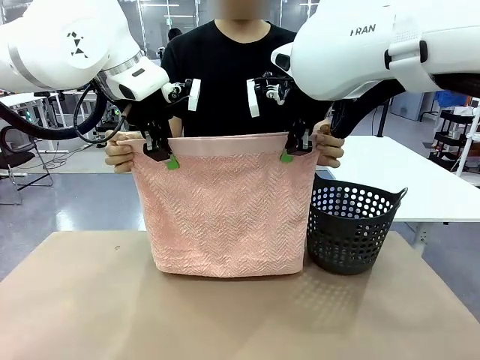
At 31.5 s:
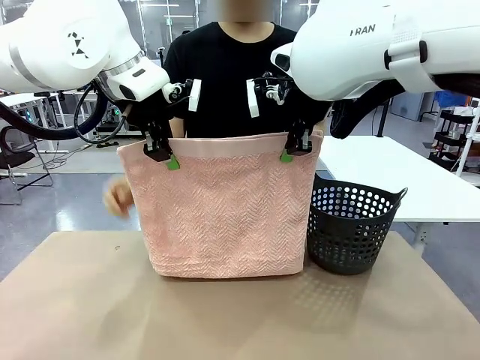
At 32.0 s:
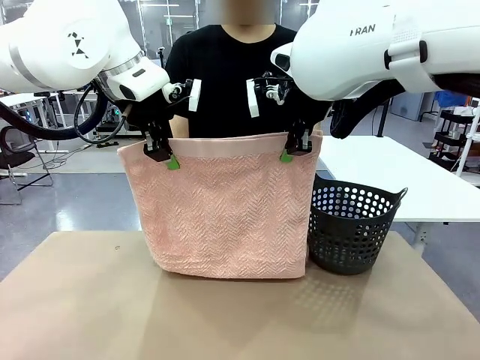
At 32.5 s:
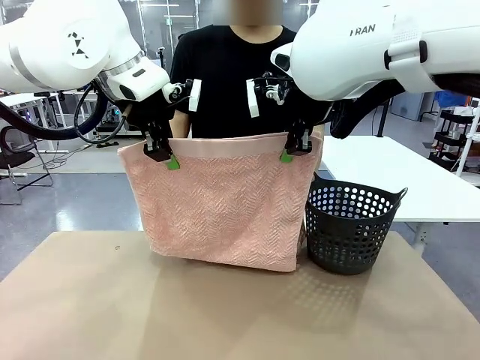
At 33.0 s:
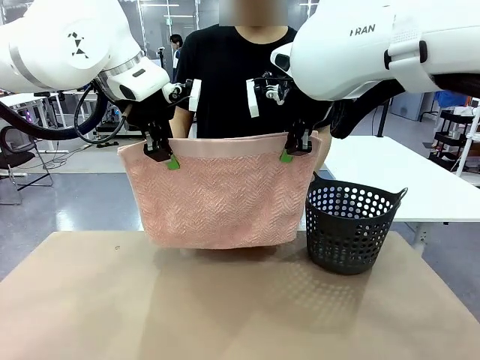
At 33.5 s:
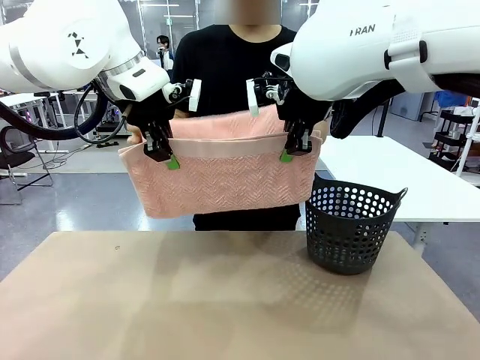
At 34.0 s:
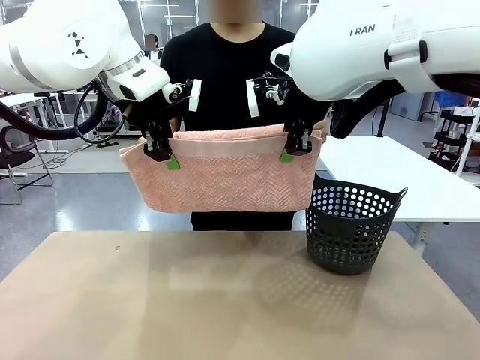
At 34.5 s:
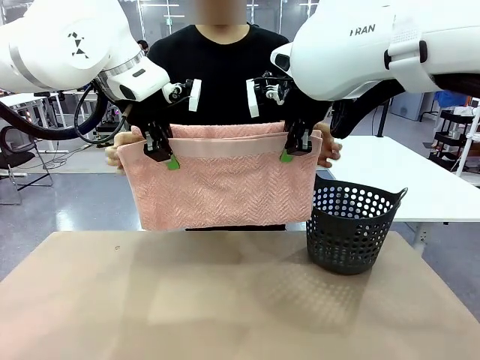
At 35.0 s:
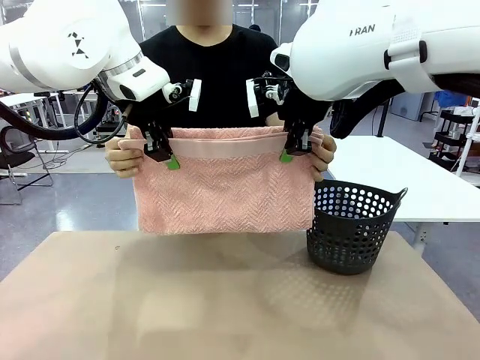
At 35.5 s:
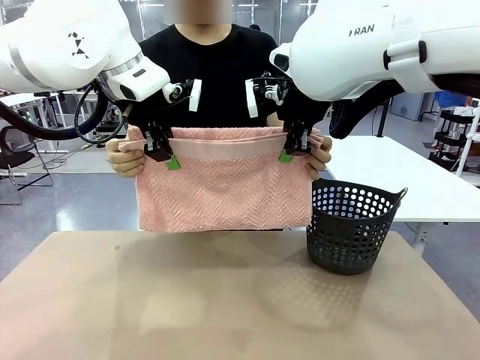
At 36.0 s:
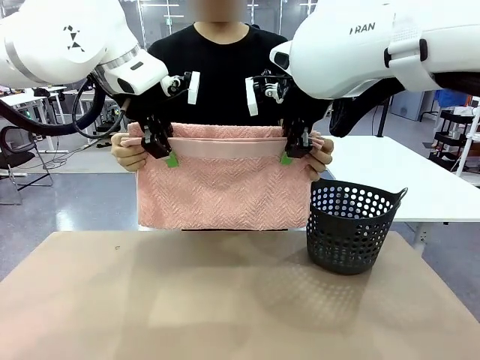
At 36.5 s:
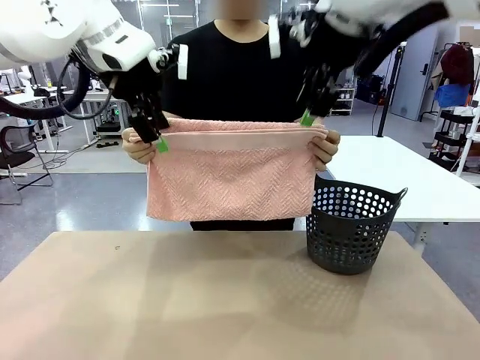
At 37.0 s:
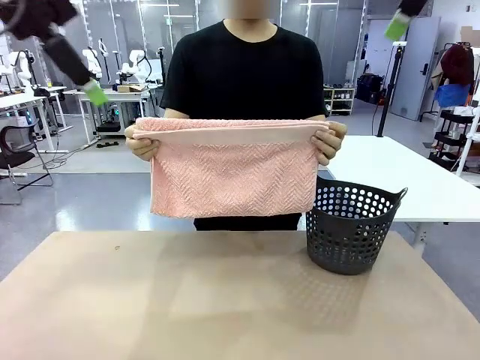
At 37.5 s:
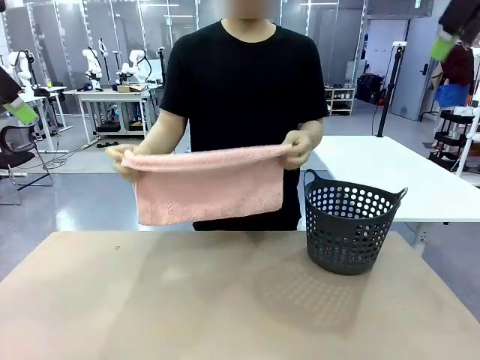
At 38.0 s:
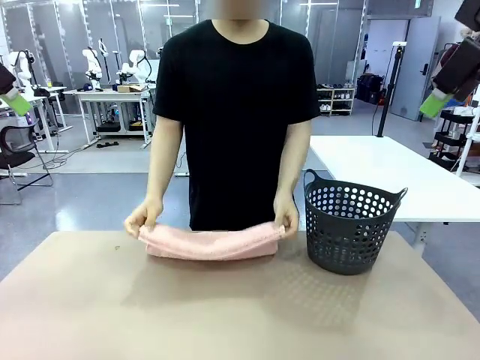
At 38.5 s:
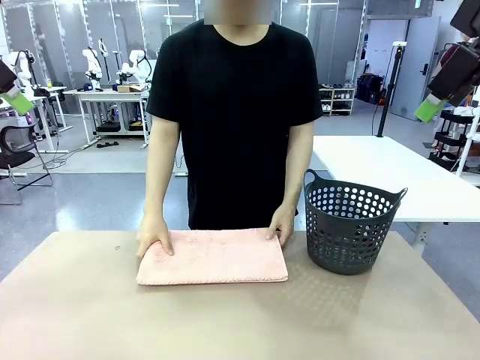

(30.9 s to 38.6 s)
Task: Fold the towel.
Robot: Release the end of the 100 cm Hotel Towel you were holding.
Person: Place the towel at the center of the robot table and fold it in half.

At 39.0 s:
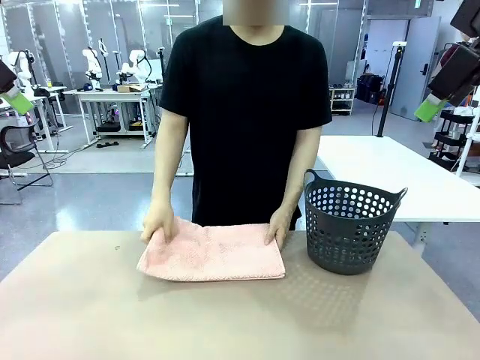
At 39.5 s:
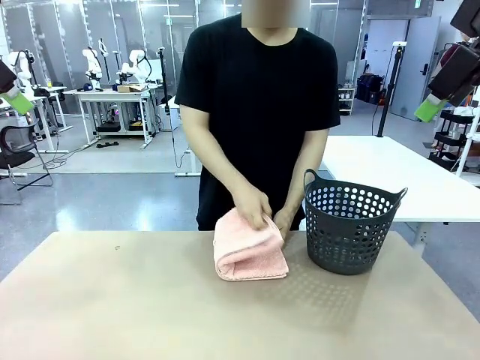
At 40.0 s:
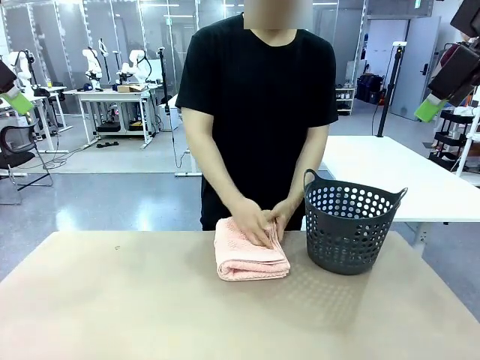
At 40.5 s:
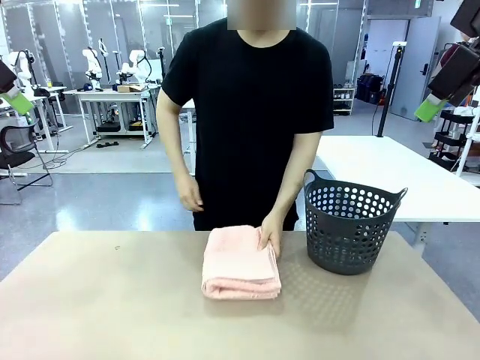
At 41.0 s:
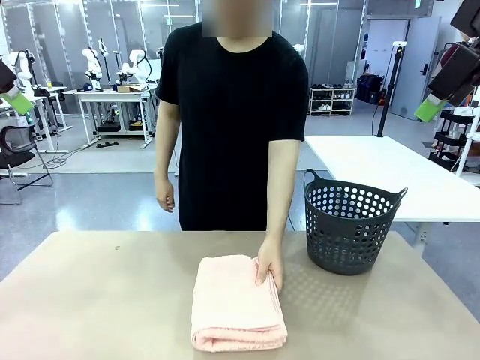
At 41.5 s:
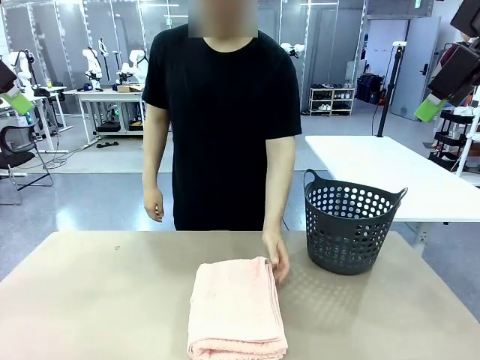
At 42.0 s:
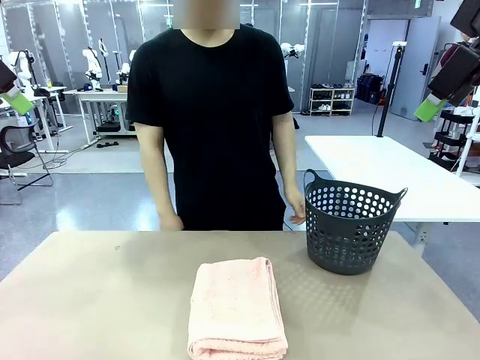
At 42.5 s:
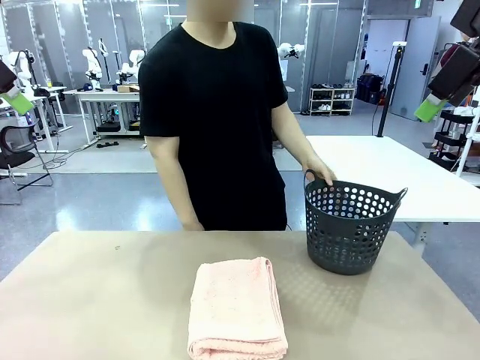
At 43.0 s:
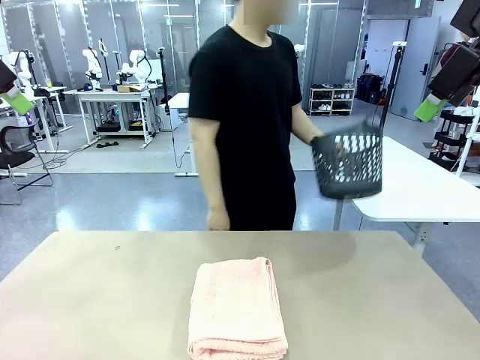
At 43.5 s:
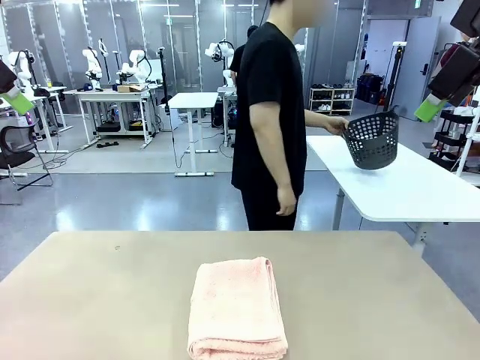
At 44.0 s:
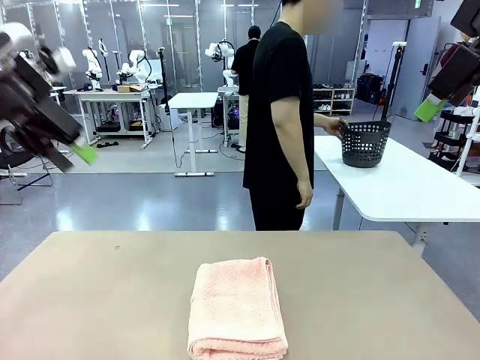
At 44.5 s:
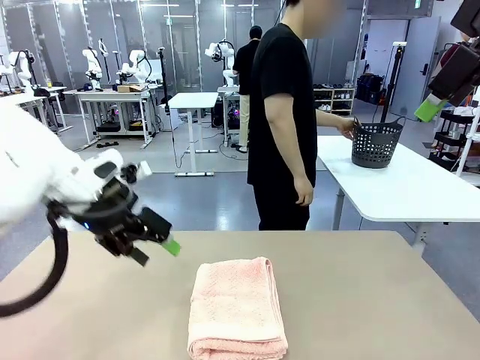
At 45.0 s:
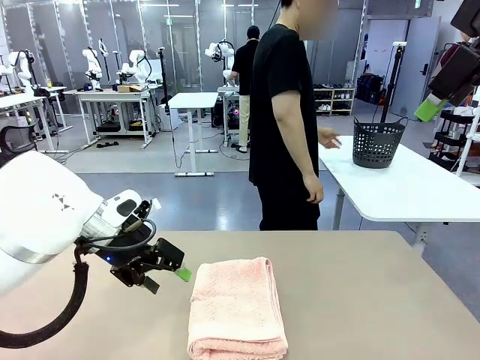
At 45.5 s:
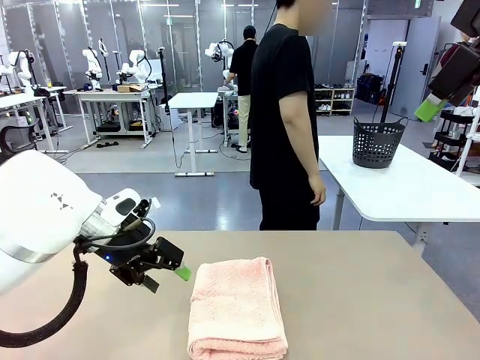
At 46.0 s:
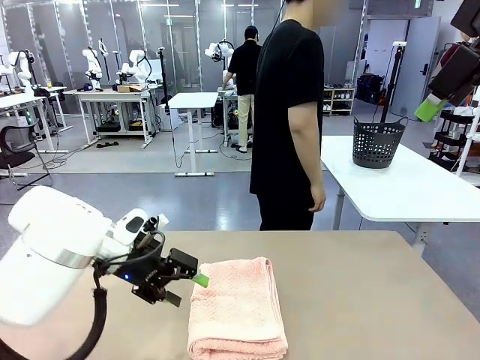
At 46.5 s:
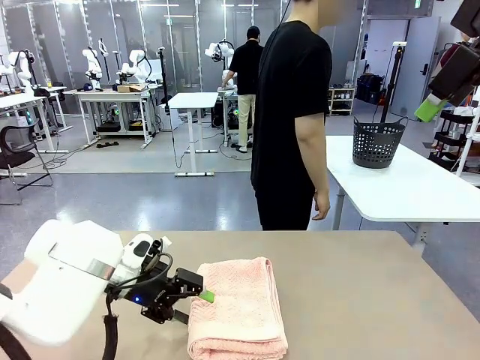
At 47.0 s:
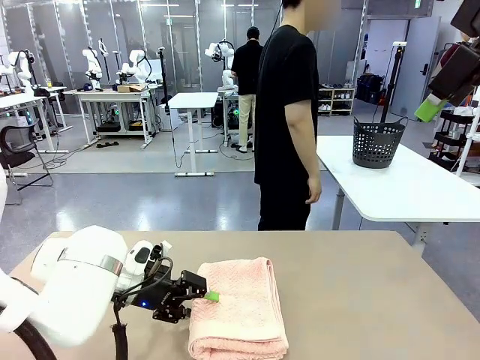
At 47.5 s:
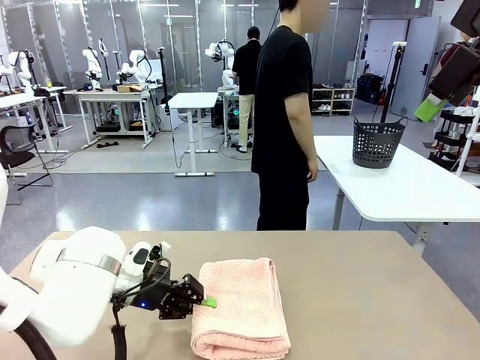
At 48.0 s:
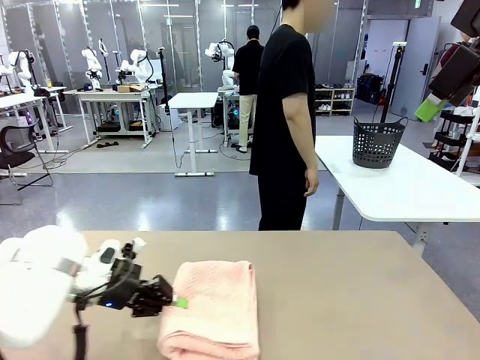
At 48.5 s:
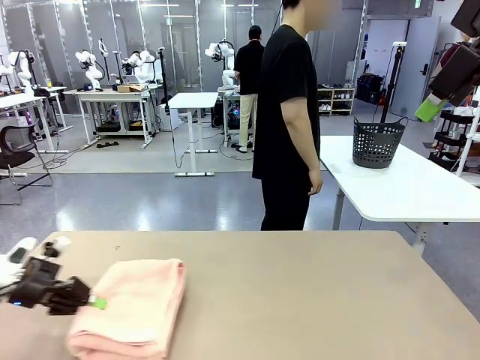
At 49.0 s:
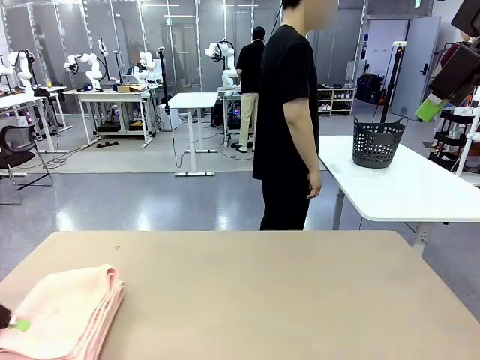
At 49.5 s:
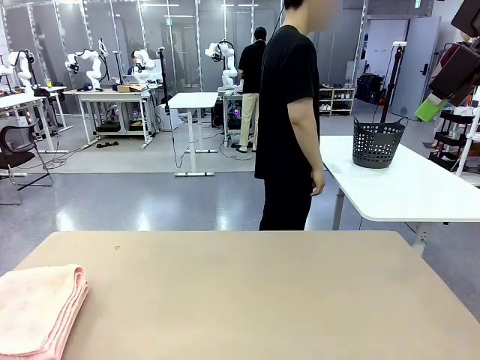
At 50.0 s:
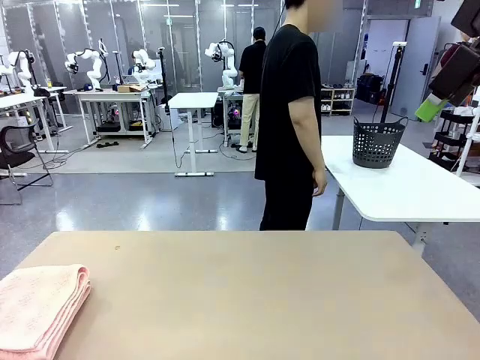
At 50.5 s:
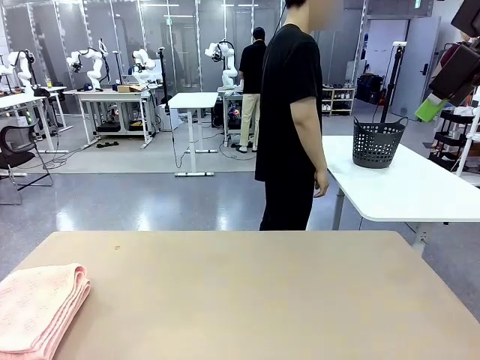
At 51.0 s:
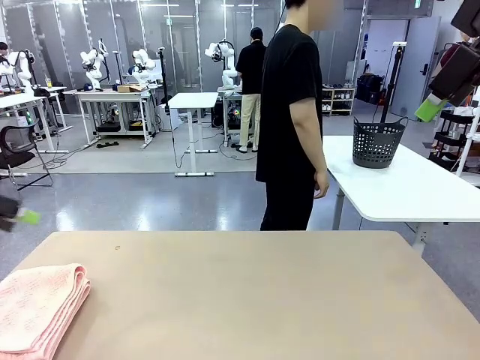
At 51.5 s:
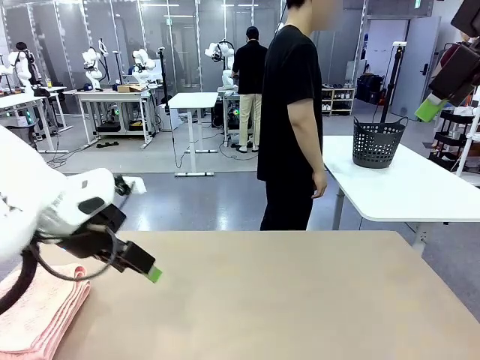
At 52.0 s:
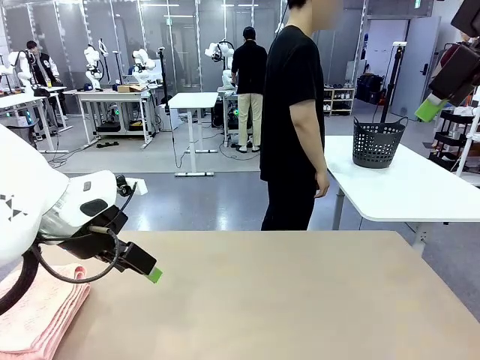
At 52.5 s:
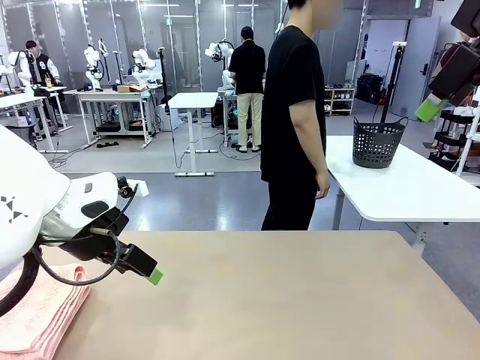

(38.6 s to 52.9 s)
Robot: Pick up the 100 cm Hotel Towel and place it on the left side of the table.
Person: Pick up the laundry basket and place it at the center of the human table.

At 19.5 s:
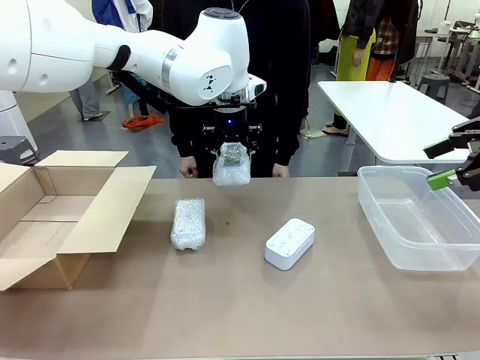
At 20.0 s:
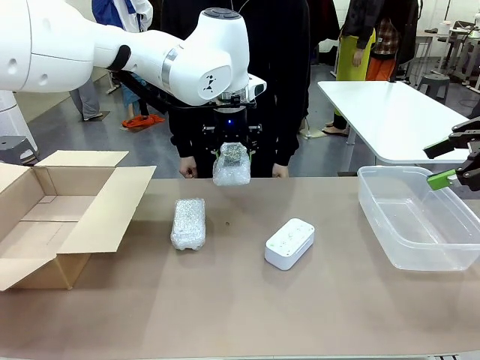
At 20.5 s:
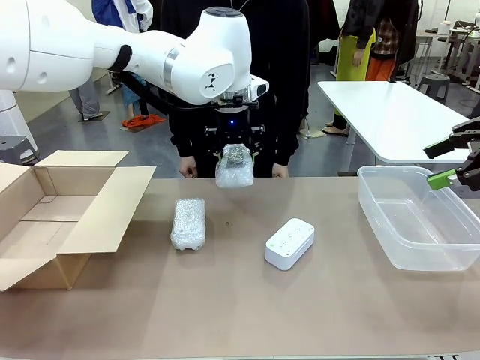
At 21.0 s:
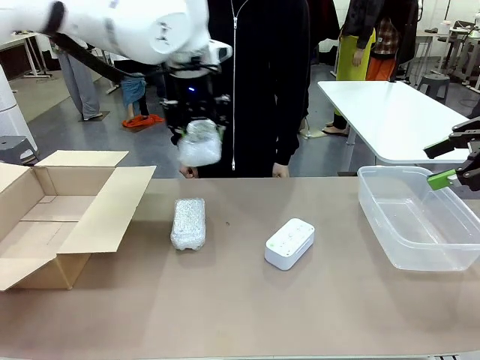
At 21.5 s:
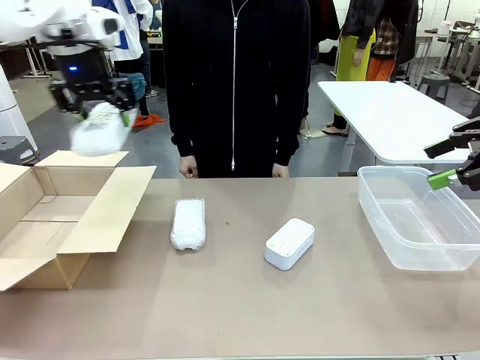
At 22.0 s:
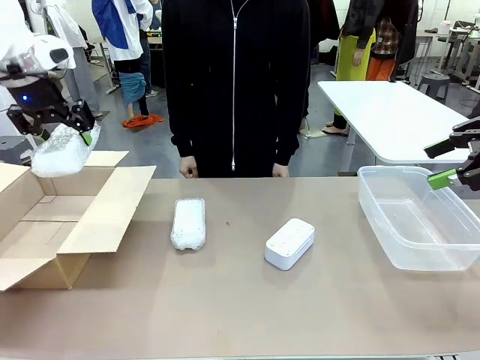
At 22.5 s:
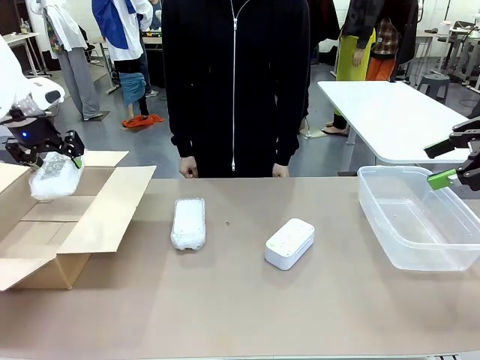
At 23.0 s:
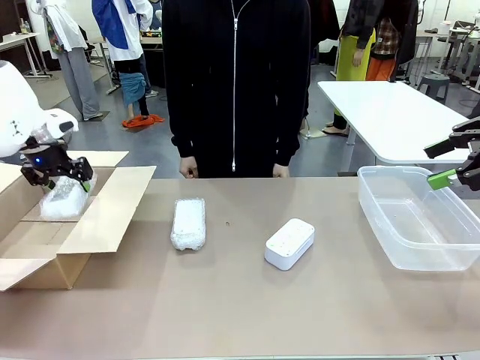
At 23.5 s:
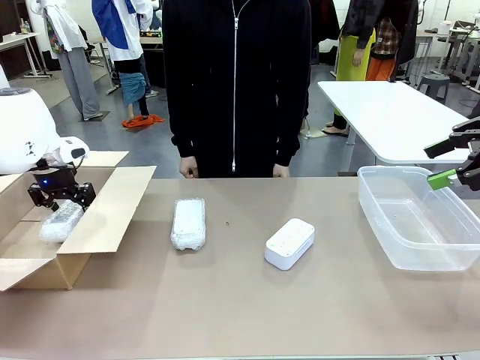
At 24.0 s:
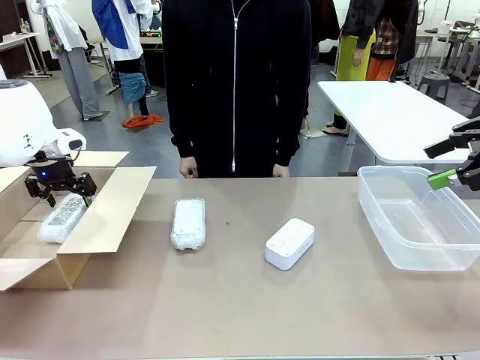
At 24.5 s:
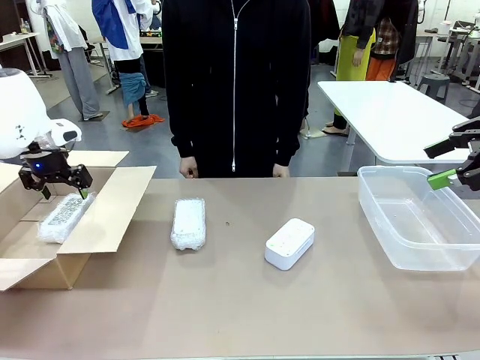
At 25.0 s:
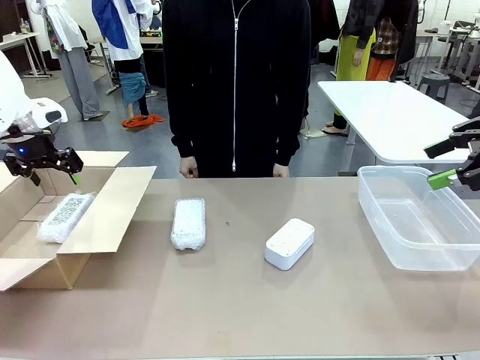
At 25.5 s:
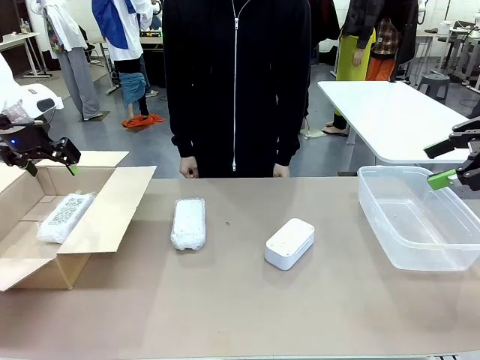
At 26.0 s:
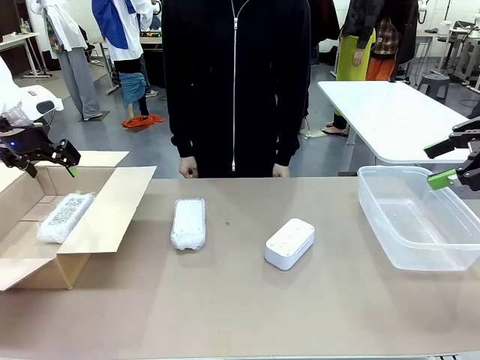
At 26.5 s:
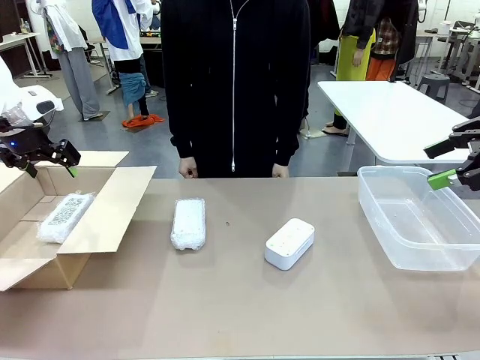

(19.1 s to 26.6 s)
Task: Separate and place wrapped and unwrapped clocks.
Robot: If the picked Digital clock is wrapped, place it in the Package Box ; if not, place it in the Organizing box.
